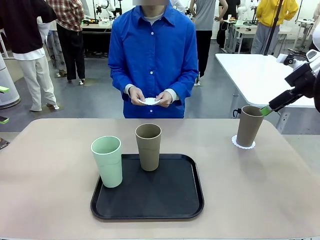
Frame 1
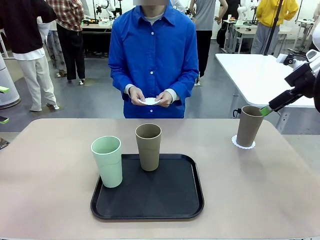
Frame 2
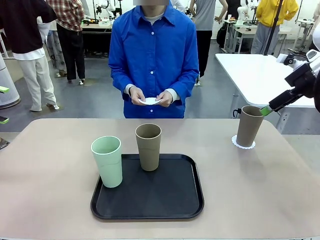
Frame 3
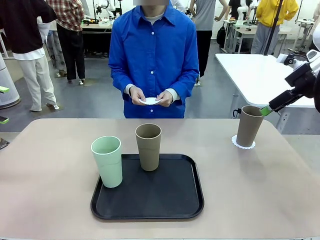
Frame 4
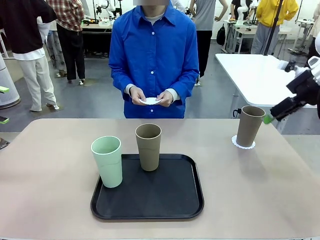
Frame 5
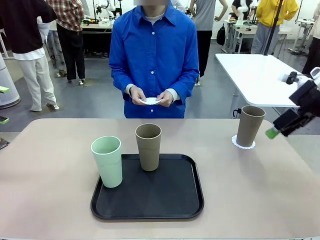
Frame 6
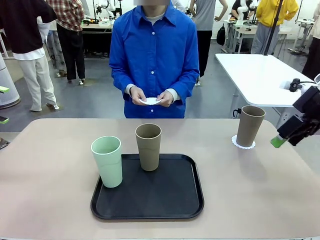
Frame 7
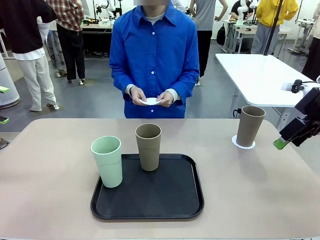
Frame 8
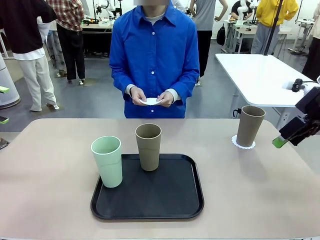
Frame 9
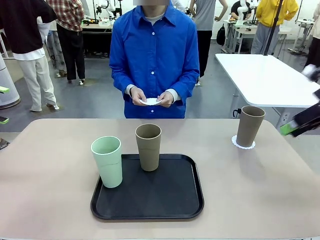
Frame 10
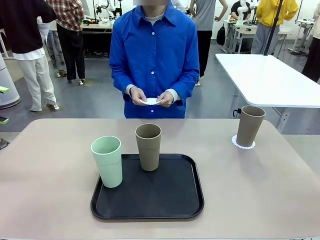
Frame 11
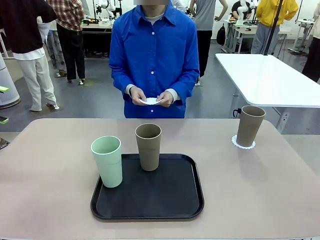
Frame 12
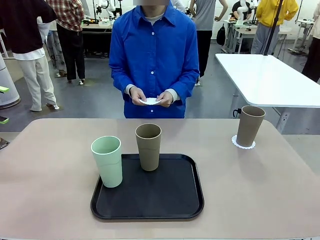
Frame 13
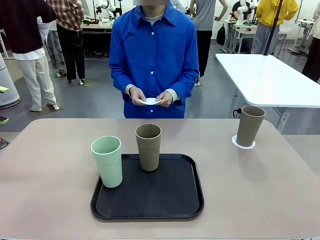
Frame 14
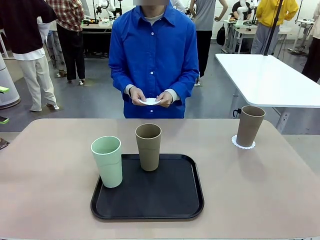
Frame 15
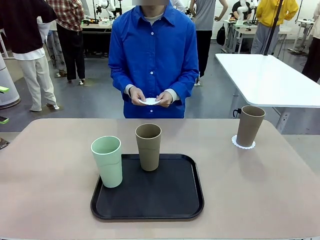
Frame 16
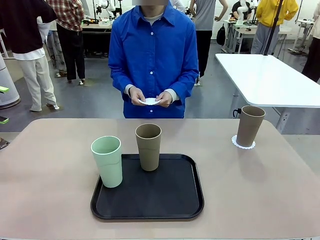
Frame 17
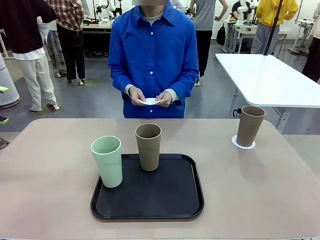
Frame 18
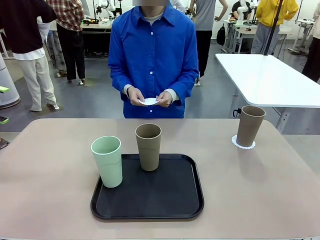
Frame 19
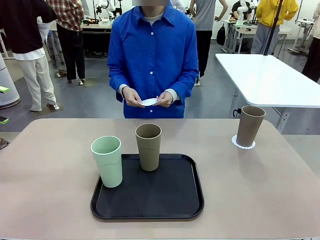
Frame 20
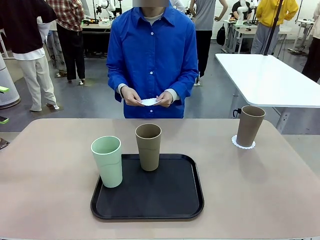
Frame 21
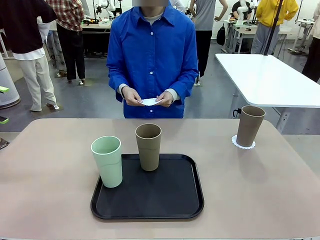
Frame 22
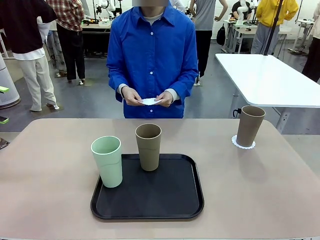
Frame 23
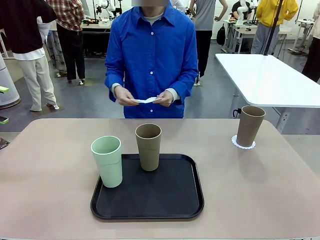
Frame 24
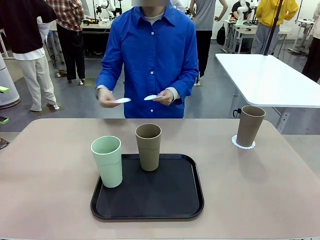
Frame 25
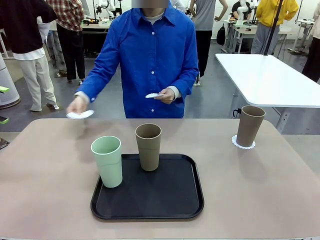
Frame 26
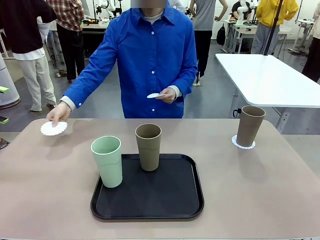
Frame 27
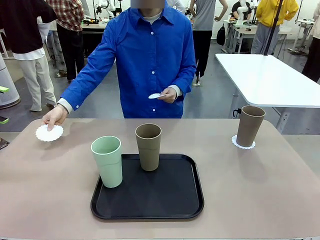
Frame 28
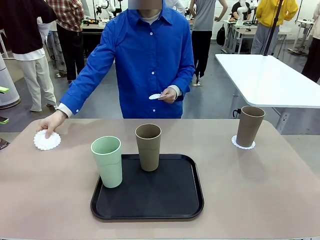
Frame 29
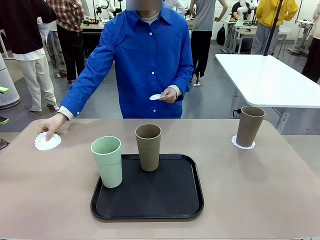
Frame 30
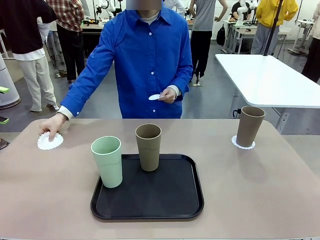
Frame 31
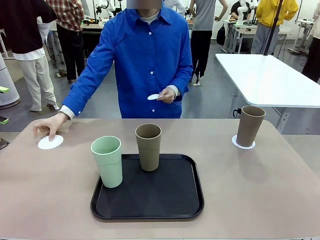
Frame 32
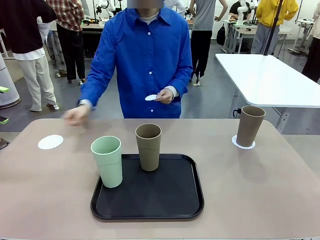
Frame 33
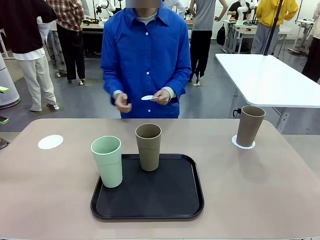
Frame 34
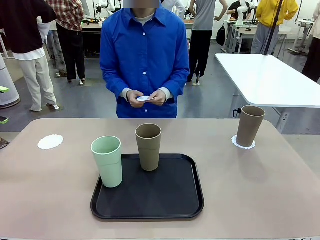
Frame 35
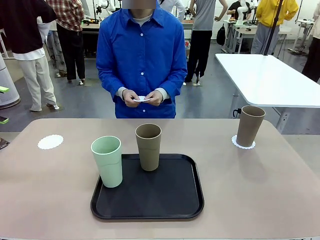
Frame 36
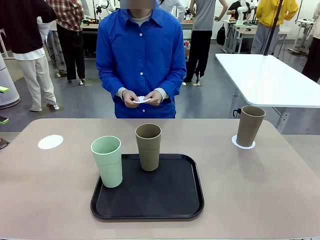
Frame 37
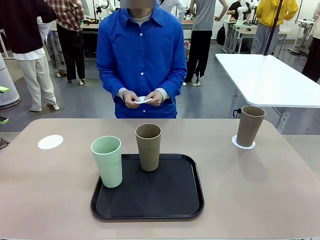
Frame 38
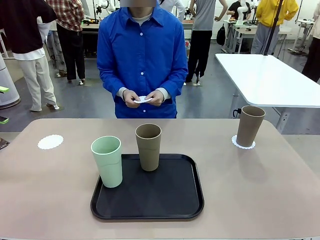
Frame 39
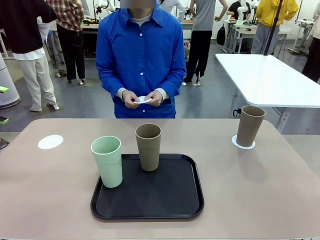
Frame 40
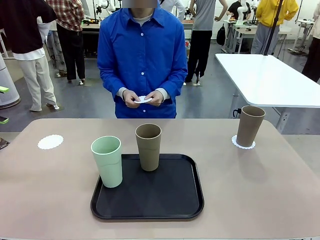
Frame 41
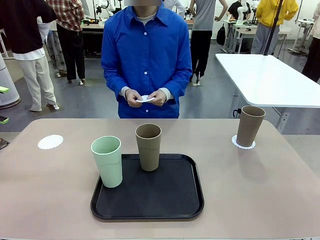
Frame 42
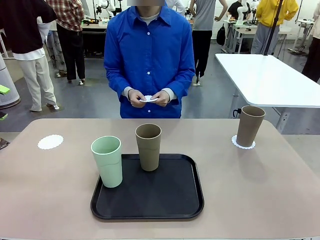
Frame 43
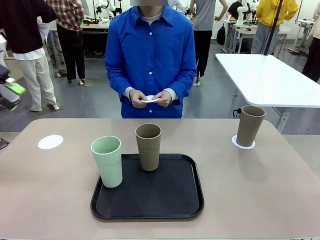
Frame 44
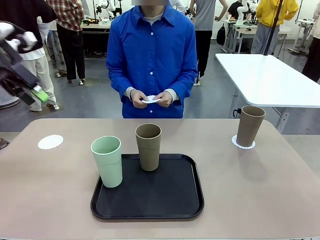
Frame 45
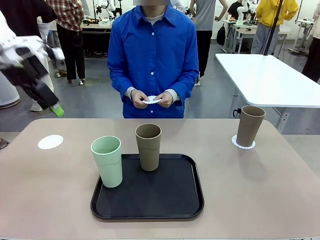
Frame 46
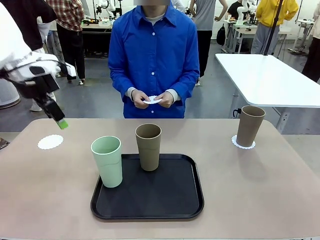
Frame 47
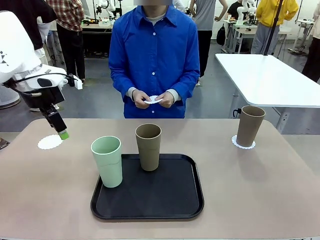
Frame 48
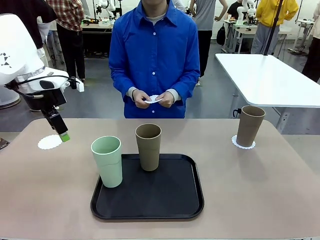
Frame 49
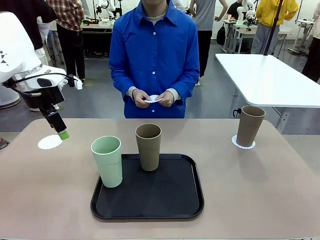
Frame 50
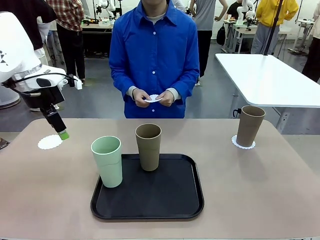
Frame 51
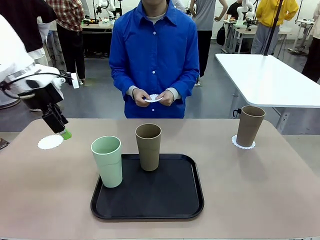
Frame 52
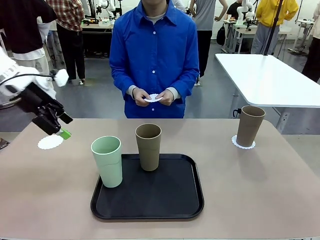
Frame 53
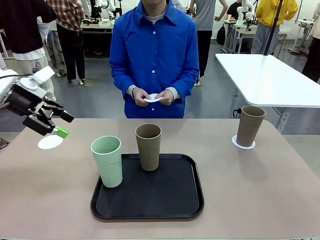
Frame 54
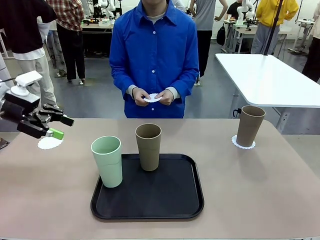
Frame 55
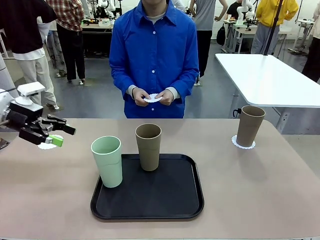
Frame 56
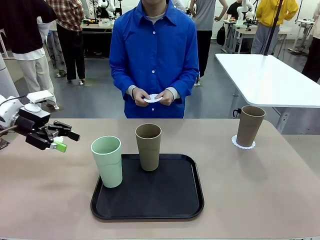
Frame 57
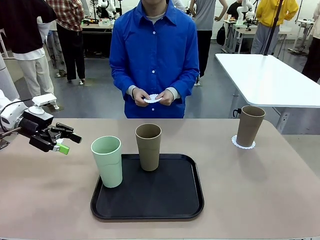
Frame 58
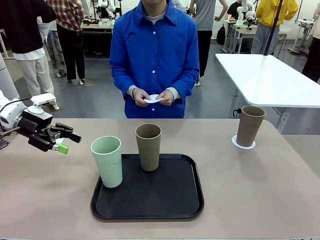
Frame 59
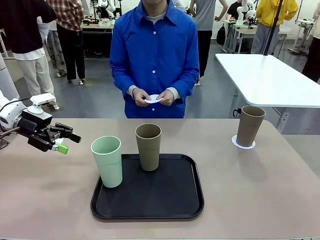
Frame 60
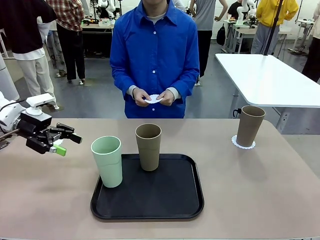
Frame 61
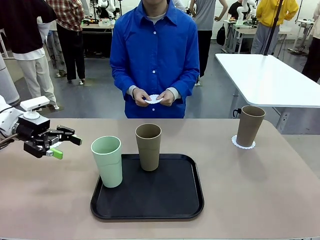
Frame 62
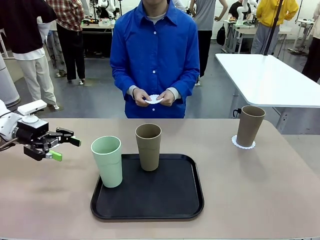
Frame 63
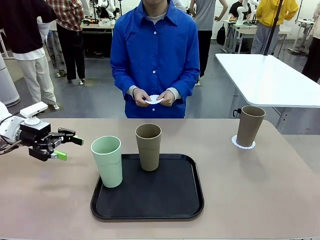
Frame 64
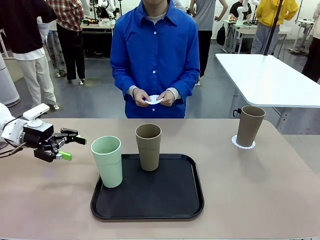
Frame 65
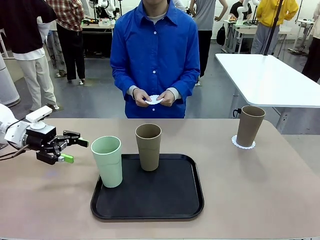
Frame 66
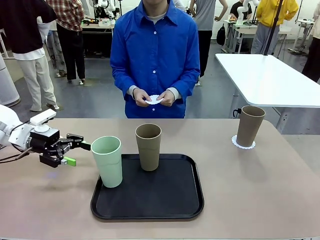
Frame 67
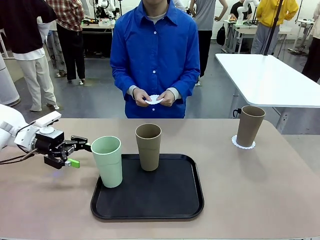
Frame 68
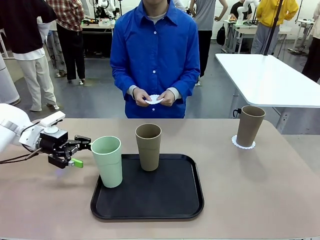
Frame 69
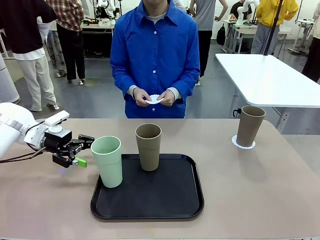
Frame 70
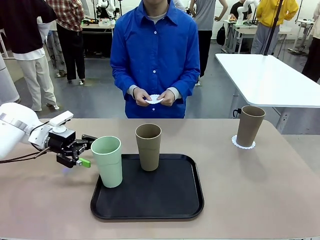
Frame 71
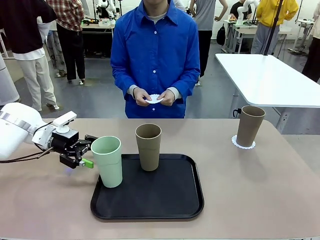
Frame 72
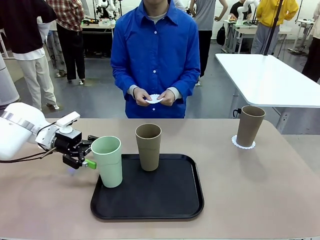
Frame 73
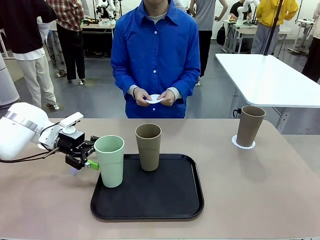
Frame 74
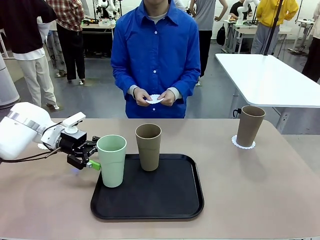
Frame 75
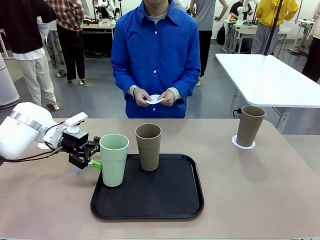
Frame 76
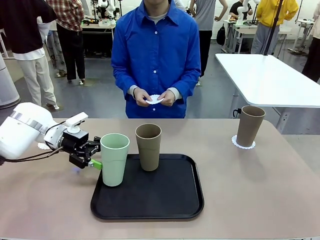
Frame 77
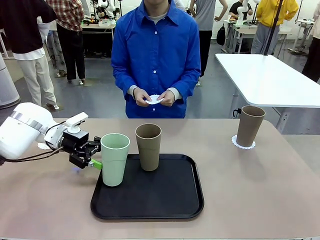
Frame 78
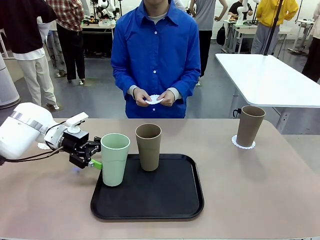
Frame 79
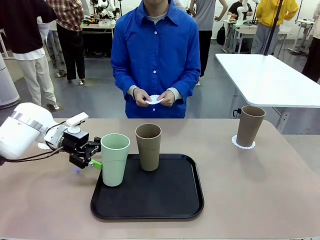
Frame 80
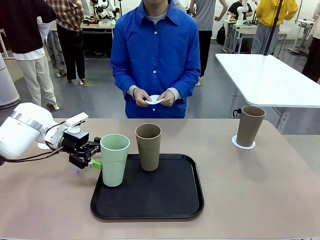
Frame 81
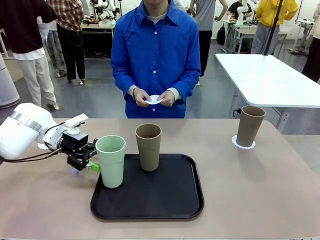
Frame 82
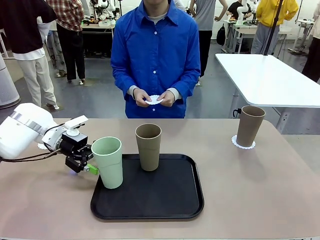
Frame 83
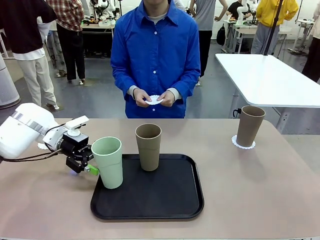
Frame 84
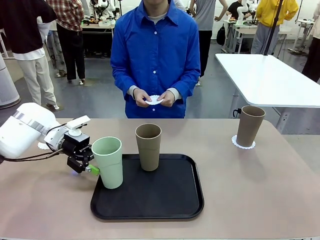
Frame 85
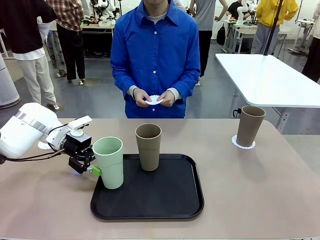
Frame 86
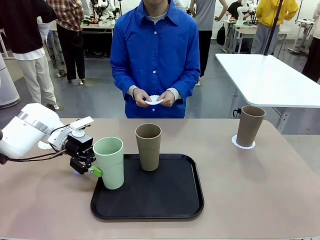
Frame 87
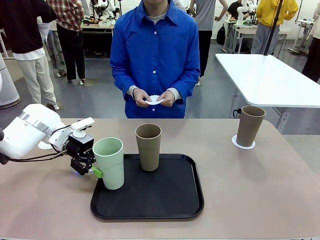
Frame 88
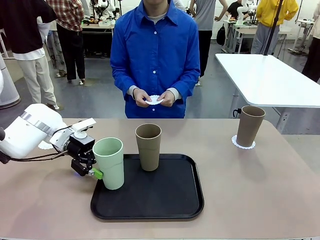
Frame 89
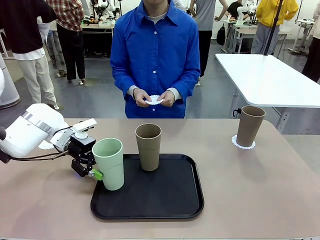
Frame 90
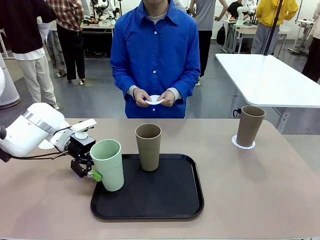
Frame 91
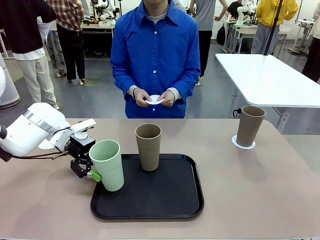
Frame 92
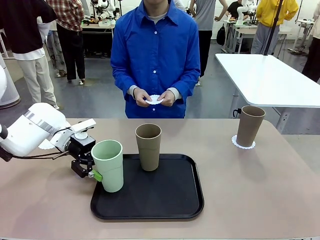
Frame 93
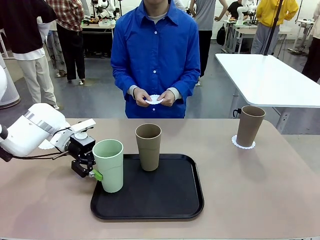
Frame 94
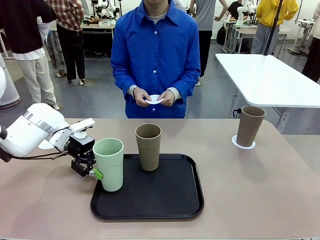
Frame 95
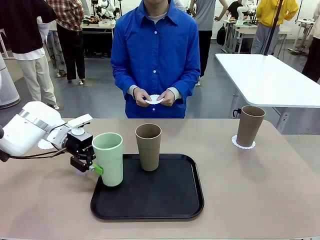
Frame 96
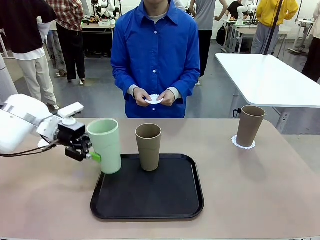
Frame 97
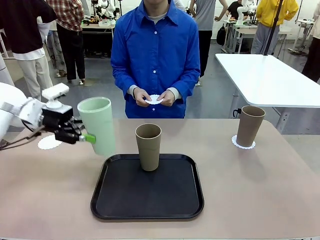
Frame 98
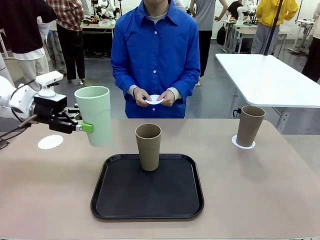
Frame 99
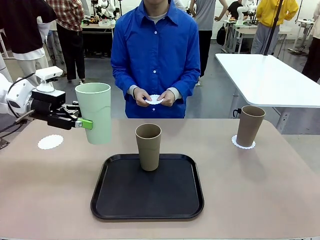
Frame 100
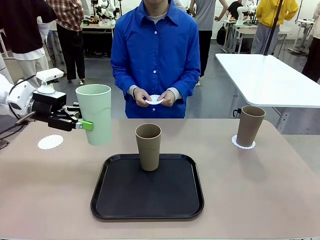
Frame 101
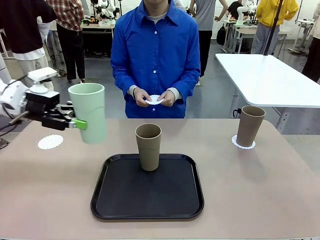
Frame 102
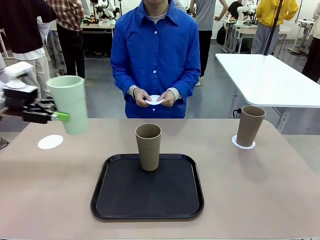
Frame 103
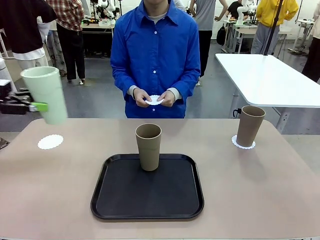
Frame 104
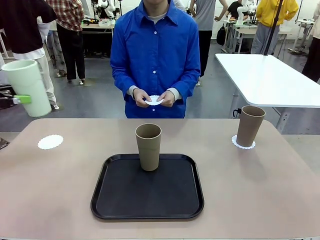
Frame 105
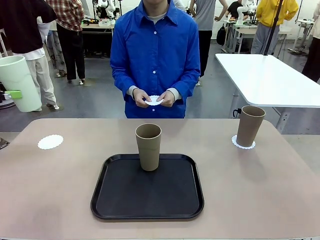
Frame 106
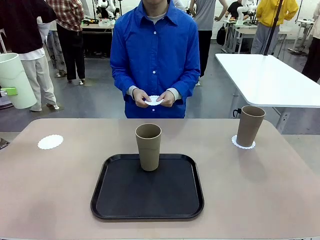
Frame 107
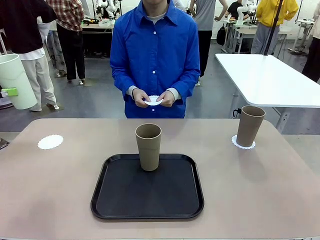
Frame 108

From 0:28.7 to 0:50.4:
Task: Place coasters on the table and set cups on them.
Robot: Take one Reusable plastic cup from the Flat Tray and place it on a coaster set by the human.
